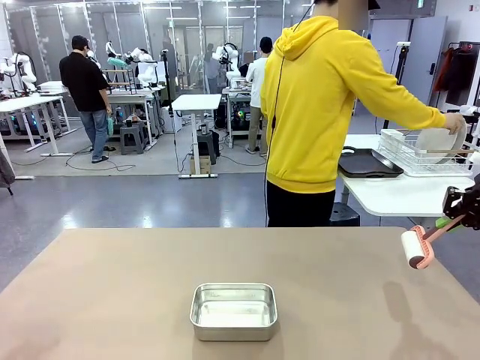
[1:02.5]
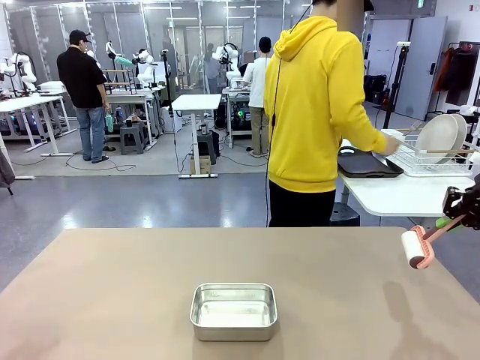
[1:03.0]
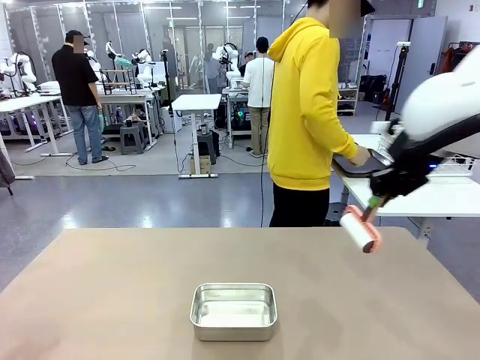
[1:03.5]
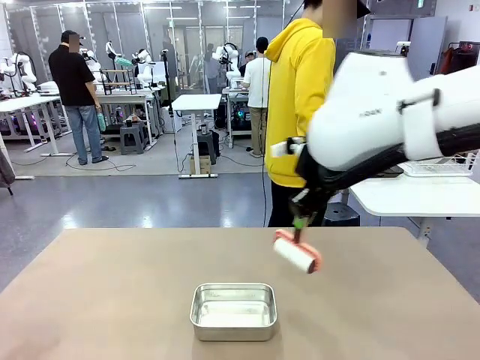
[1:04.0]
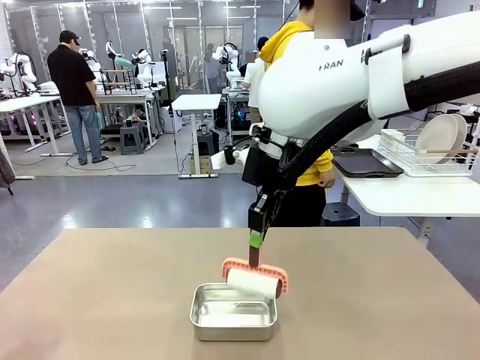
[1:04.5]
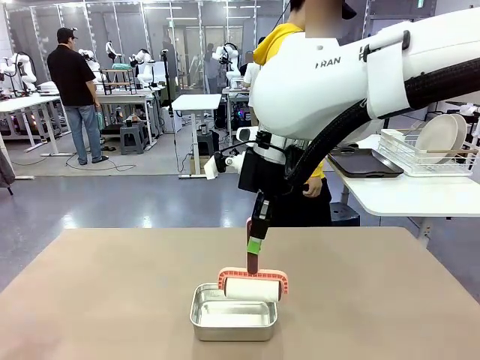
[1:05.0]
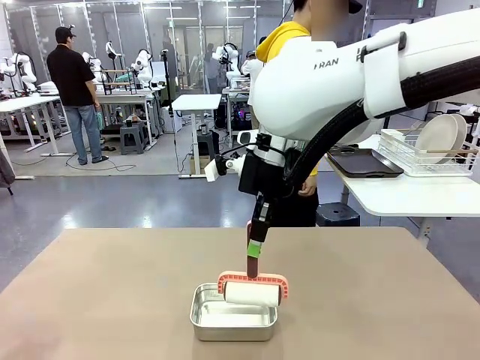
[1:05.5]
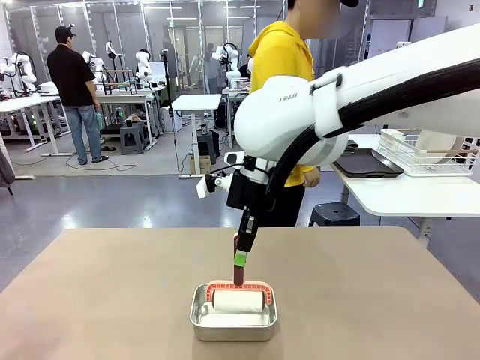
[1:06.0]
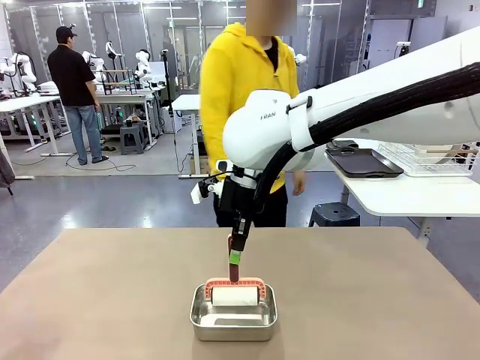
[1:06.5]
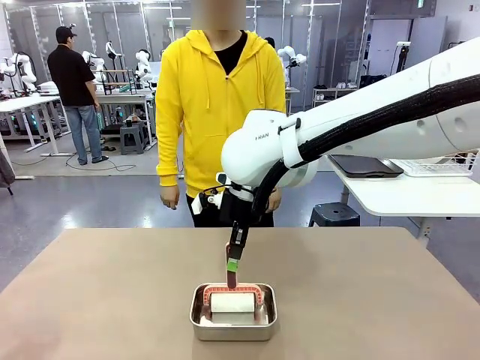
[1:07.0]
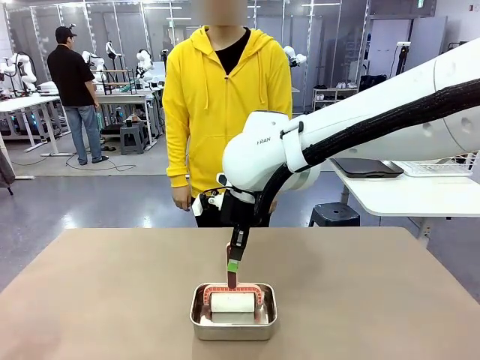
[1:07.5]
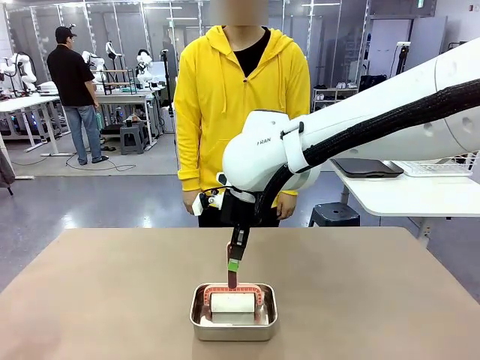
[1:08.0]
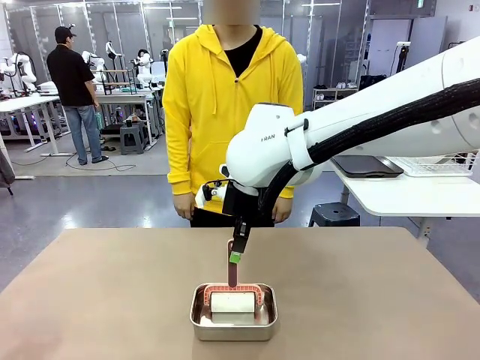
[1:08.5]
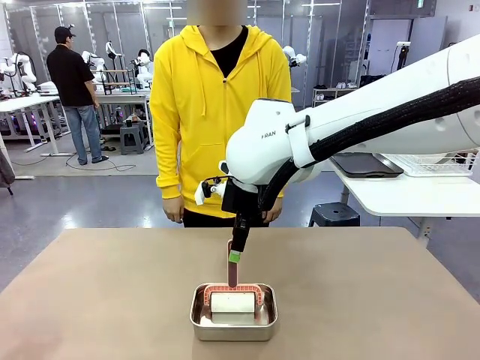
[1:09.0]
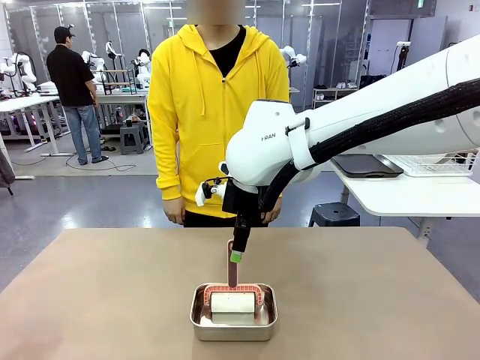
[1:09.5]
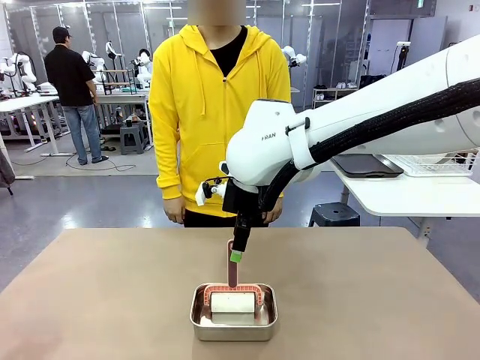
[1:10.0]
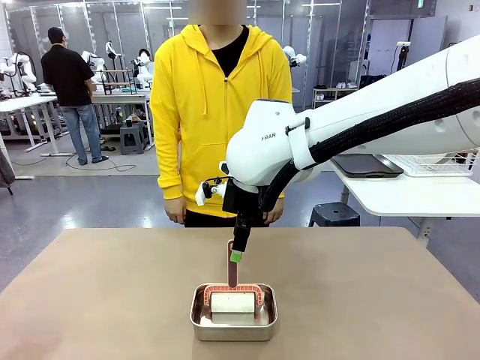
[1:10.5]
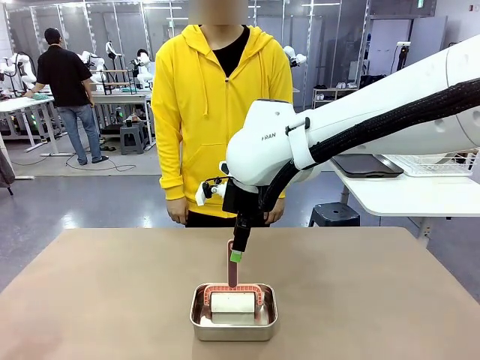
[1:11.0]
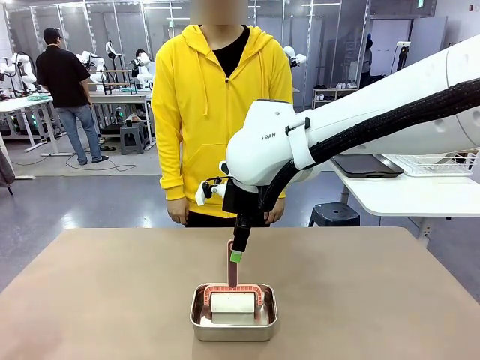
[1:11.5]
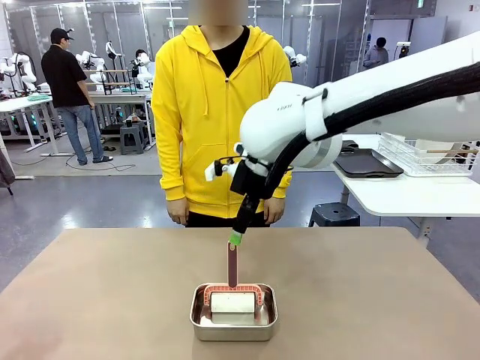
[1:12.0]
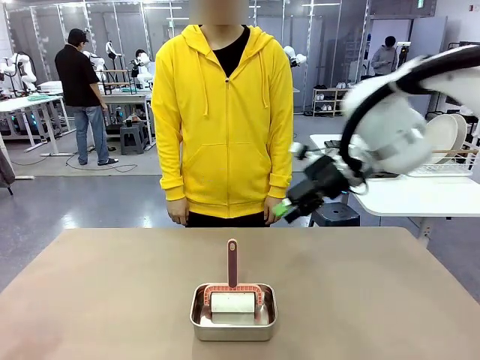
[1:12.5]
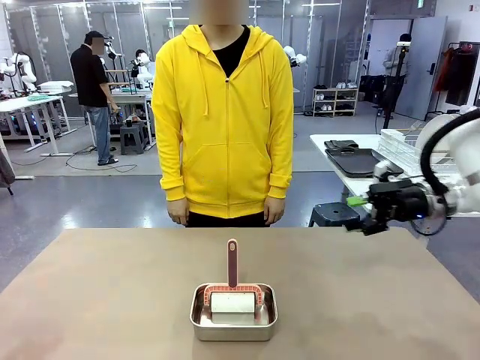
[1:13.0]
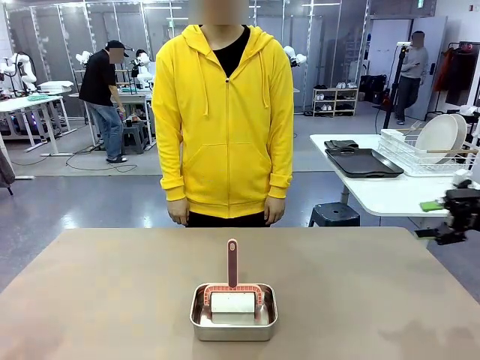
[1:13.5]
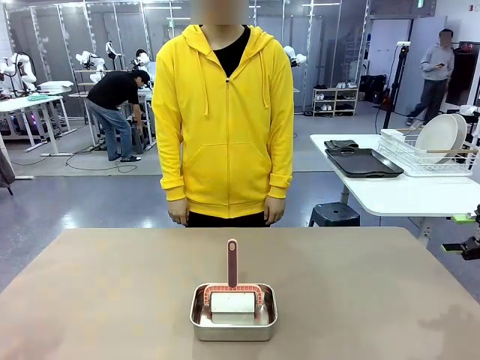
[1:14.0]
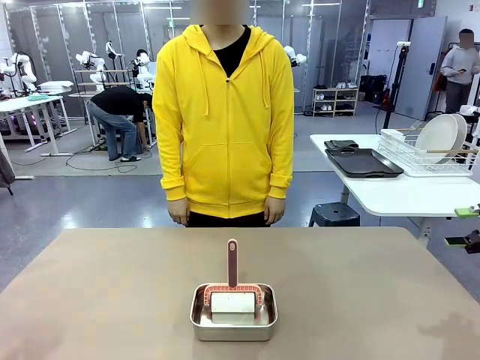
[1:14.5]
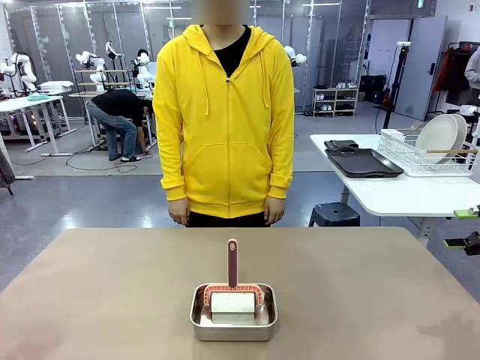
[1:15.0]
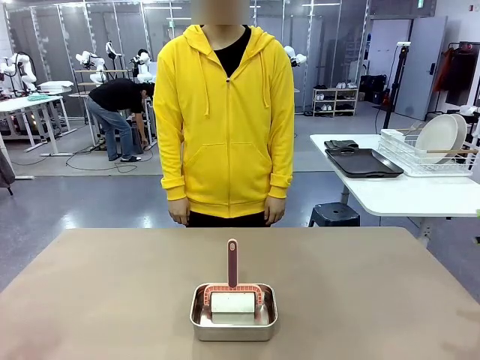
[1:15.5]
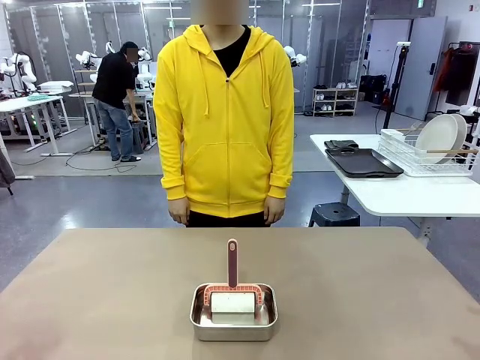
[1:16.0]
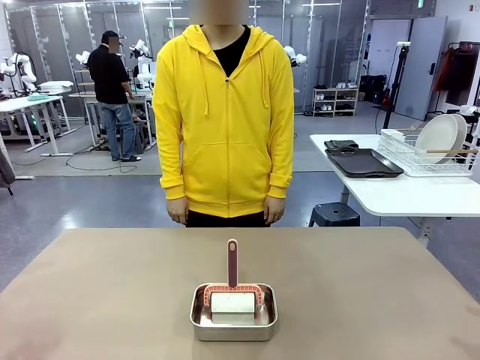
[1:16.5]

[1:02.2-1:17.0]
Robot: Place the Lint Roller back on top of the Airtight Container.

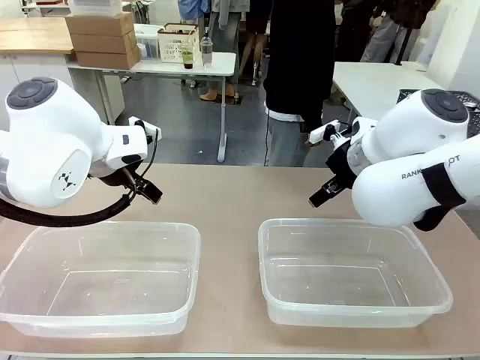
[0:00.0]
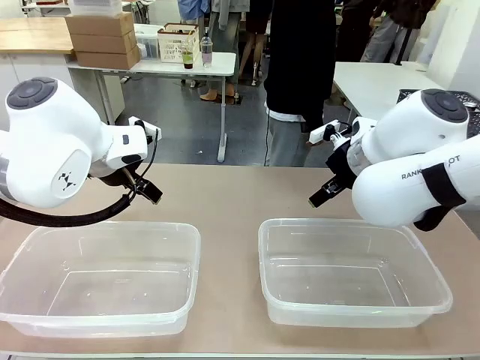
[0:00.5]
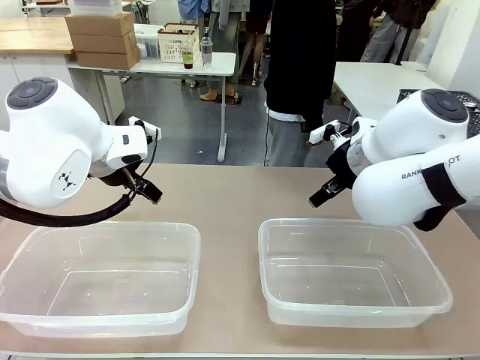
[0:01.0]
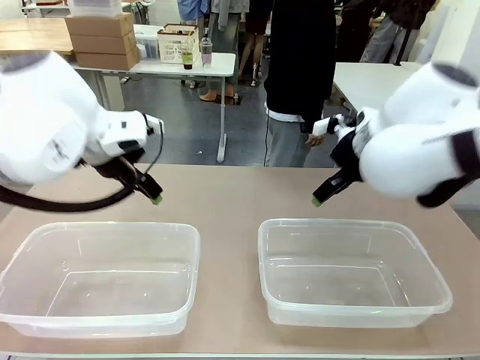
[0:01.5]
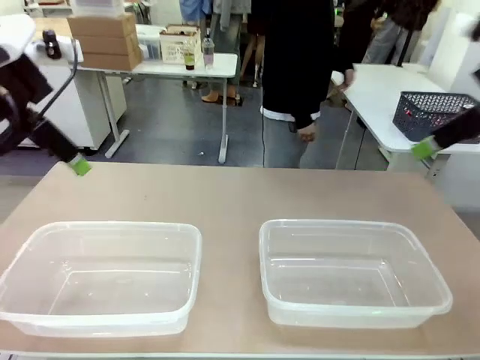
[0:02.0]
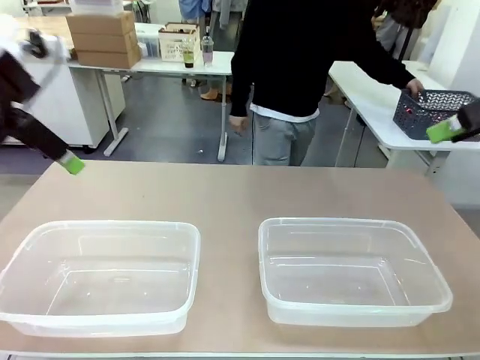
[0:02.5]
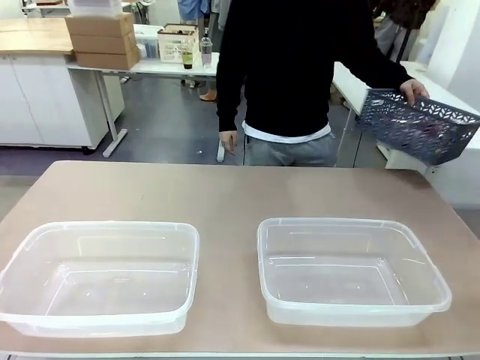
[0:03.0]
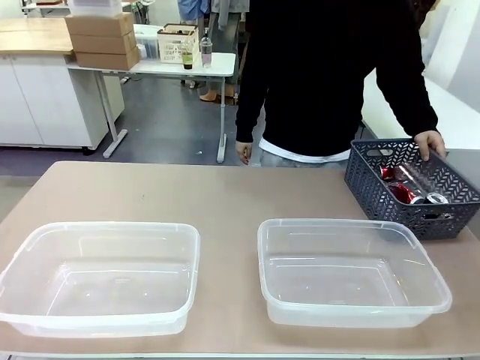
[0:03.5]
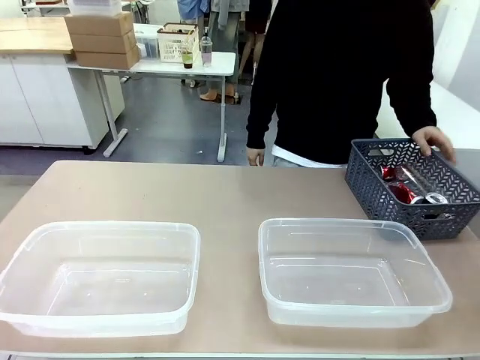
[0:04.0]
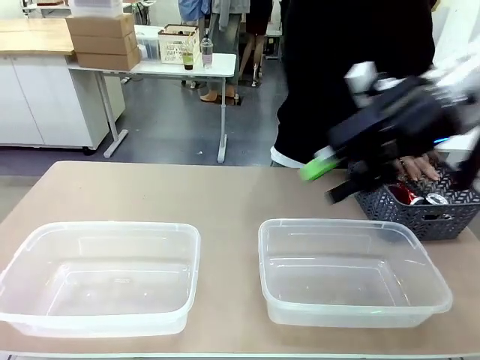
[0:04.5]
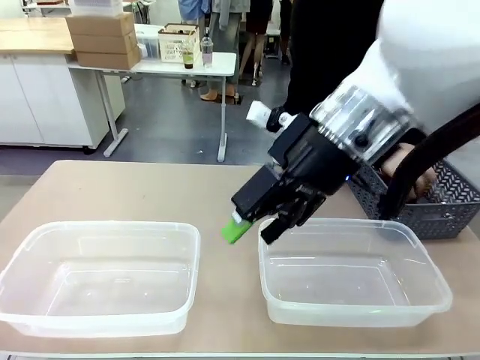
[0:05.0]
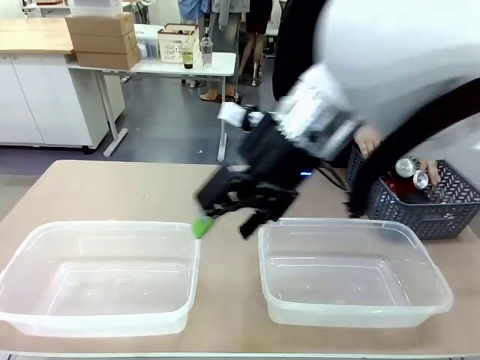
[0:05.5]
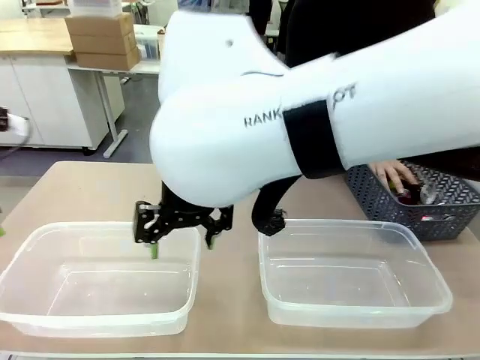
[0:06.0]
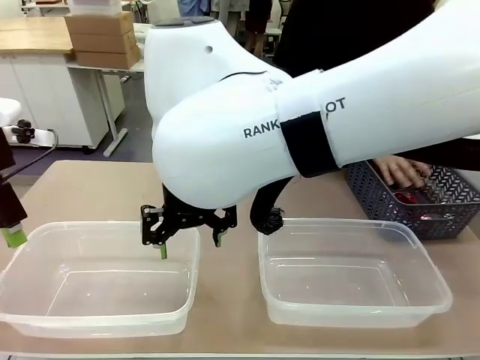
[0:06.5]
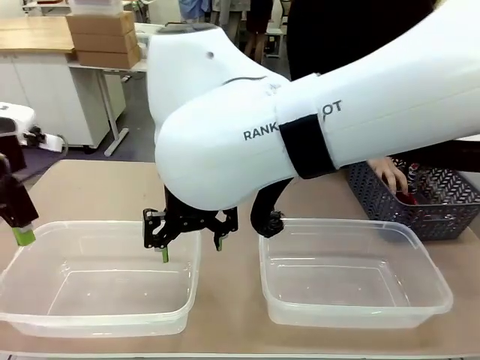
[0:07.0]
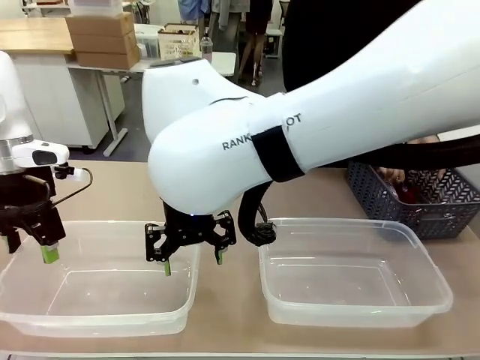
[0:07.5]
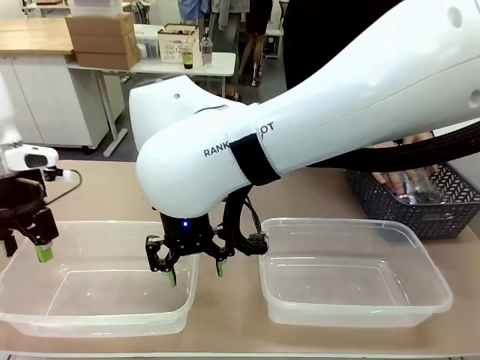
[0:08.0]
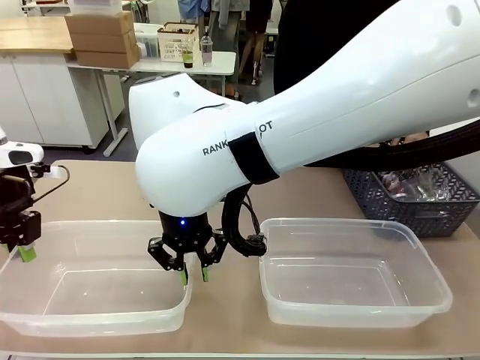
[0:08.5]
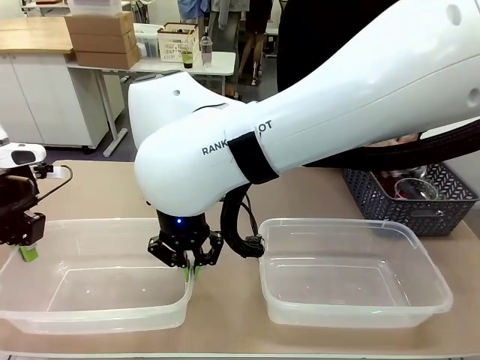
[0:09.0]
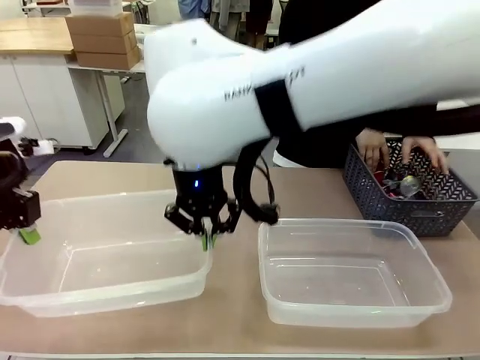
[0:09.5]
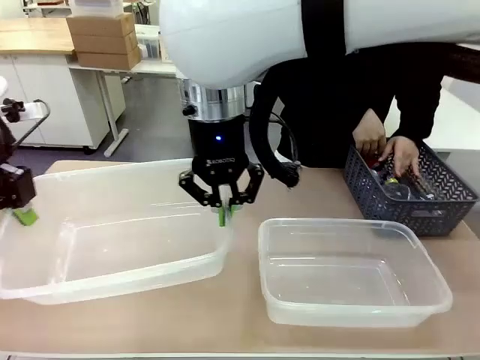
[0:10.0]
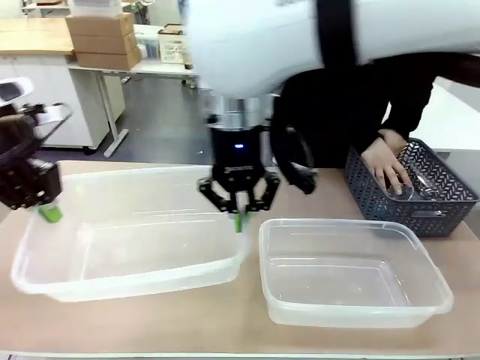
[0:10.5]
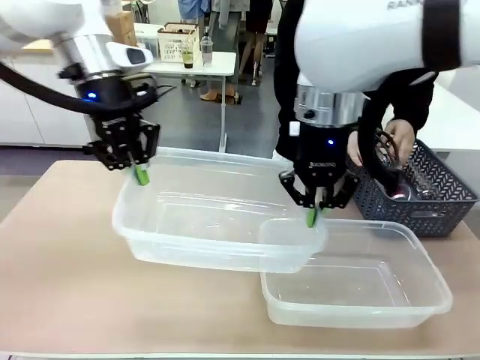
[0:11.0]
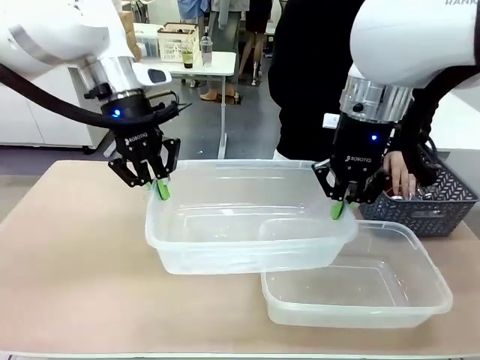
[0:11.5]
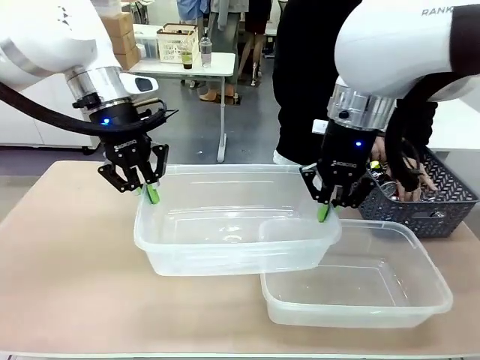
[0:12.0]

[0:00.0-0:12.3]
Robot: Pick up the Organizing box on the left side of the table and lift it.
Person: Pick up the storage basket and place it on the left side of the robot table. Pick up can-shaped waste one by one and place it into the organizing box lifted by the robot.
